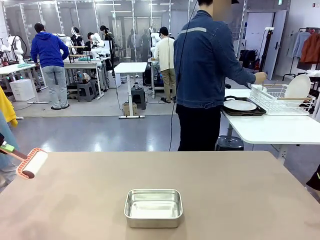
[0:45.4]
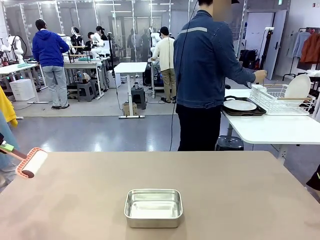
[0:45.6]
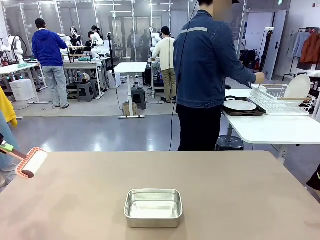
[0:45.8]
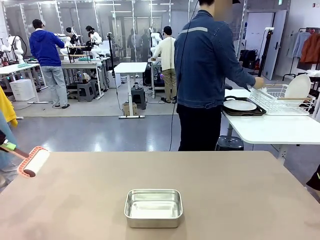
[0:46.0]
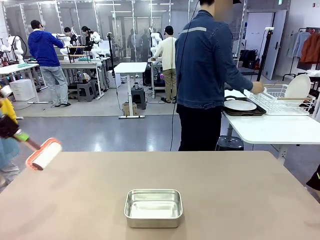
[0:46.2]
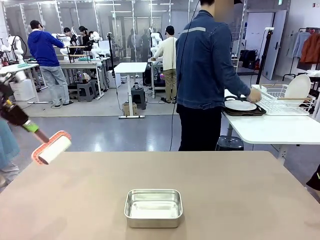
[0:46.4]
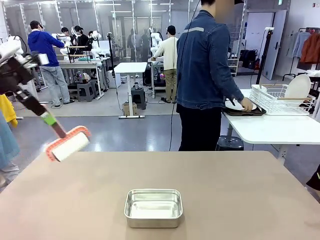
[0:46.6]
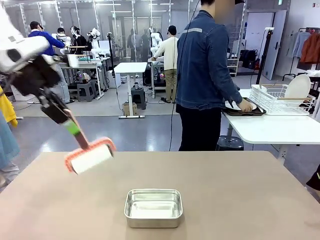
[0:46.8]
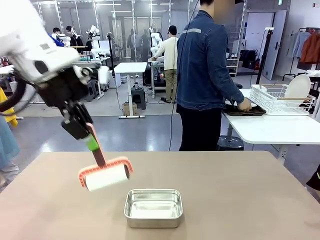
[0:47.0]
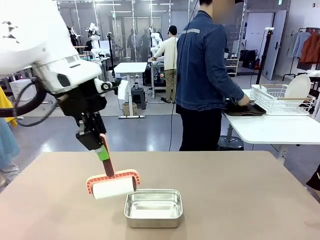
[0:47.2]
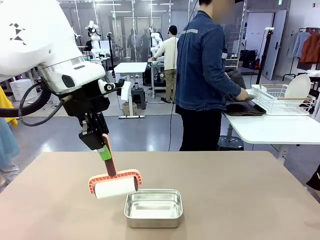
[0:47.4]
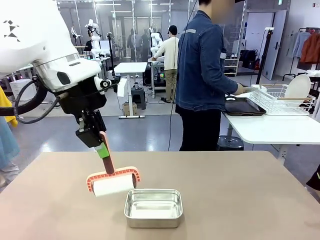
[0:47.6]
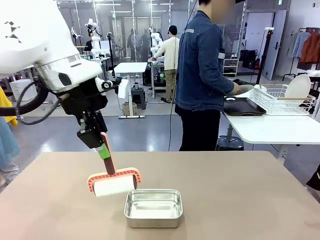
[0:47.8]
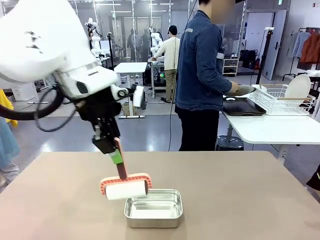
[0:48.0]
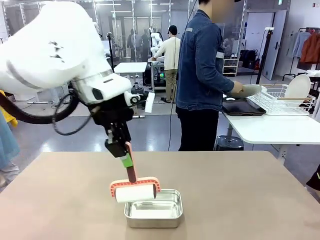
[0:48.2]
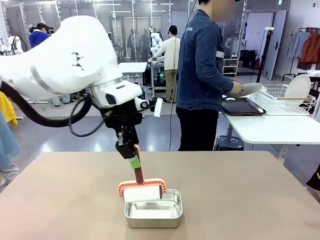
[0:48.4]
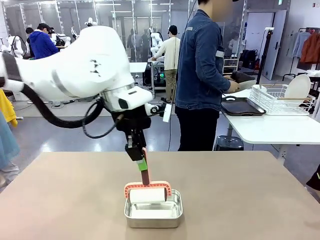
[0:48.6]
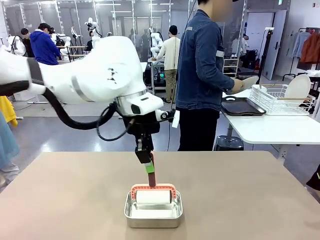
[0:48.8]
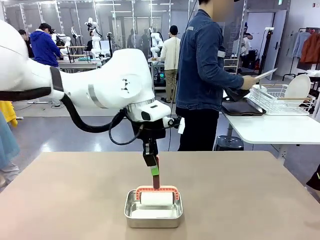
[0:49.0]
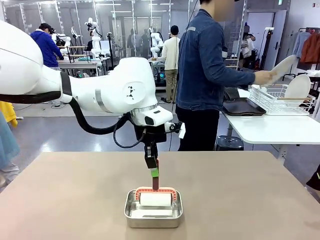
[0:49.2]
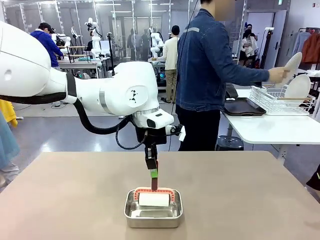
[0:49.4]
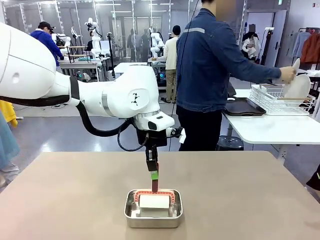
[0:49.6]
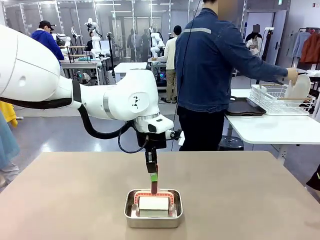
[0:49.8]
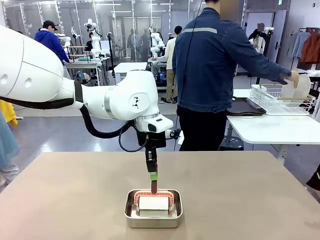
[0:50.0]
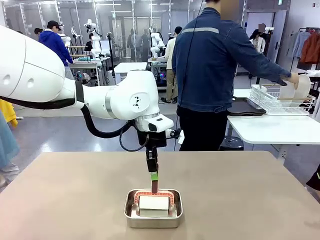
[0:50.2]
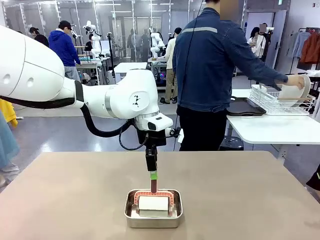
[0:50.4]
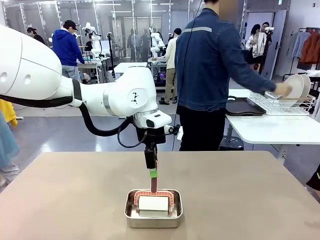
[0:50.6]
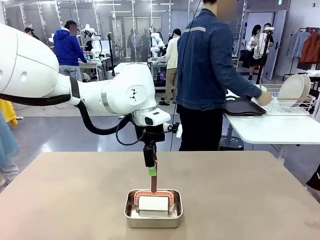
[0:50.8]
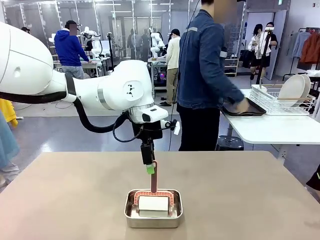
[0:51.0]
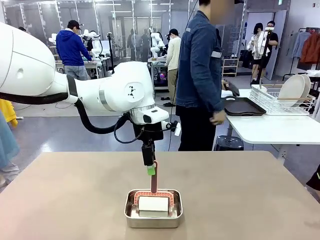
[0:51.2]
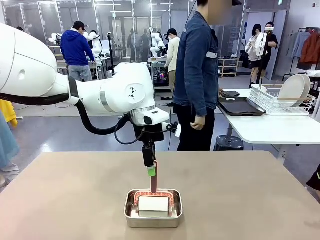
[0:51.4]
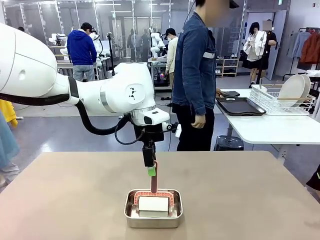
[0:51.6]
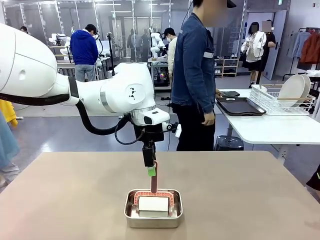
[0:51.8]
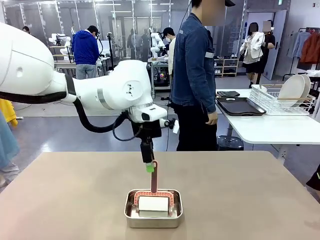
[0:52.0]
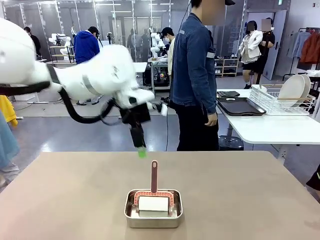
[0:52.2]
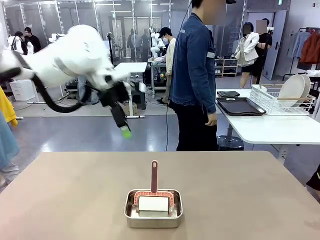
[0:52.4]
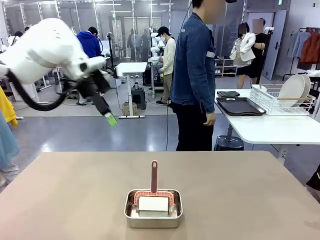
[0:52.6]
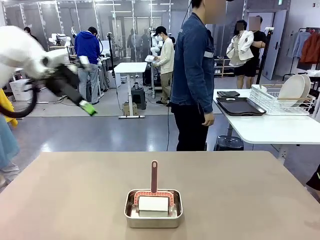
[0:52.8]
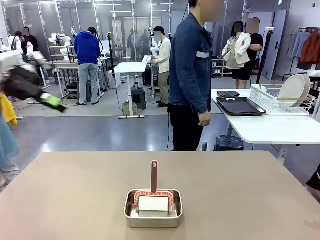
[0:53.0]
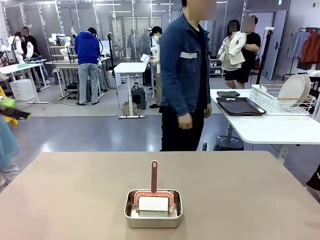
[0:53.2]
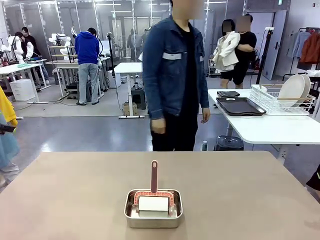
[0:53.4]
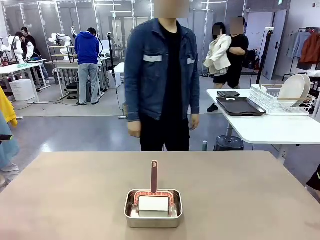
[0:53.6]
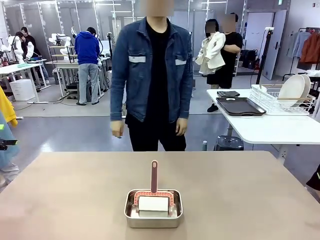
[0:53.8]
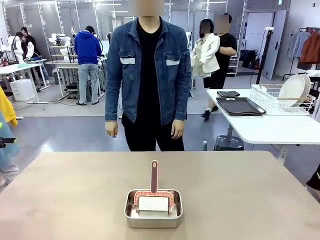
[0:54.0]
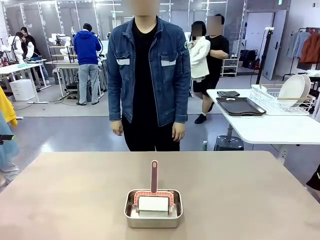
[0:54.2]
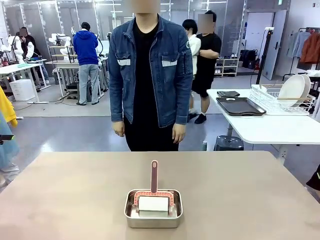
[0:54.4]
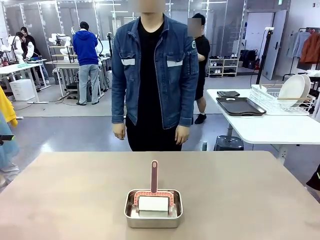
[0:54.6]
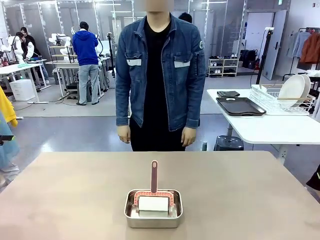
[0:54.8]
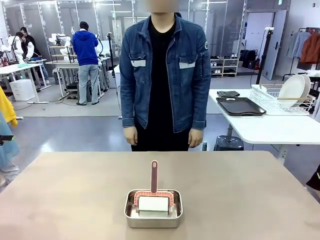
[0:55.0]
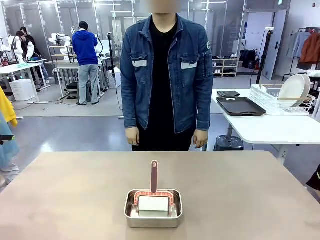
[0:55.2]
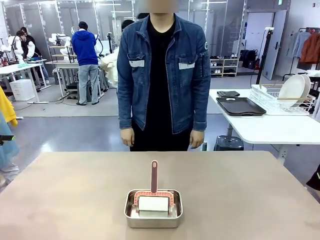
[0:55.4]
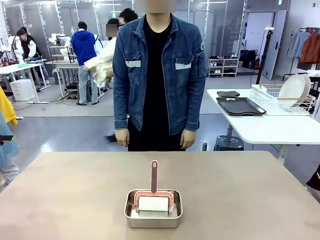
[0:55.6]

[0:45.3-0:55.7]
Robot: Place the Lint Roller back on top of the Airtight Container.
Person: Use the Towel with hook to wipe the Plastic Matte Plate , Fork , and Knife and place into the Dish drying rack.

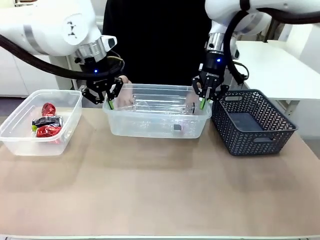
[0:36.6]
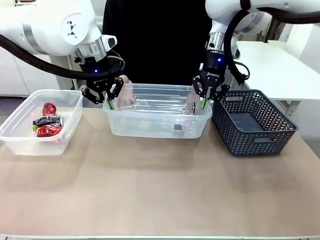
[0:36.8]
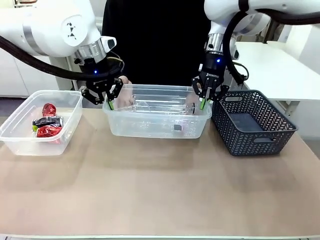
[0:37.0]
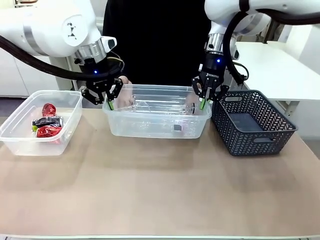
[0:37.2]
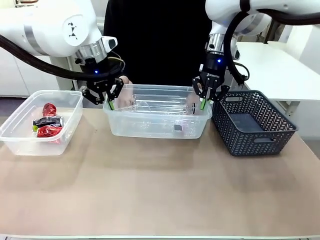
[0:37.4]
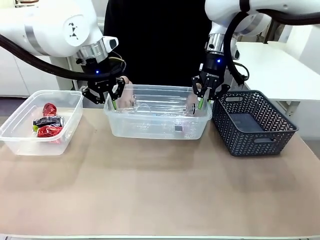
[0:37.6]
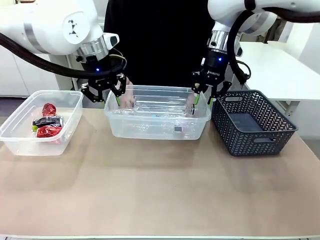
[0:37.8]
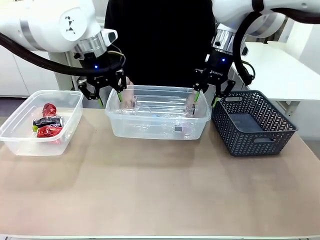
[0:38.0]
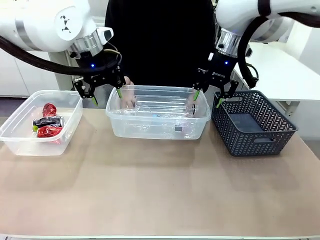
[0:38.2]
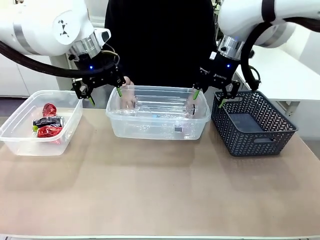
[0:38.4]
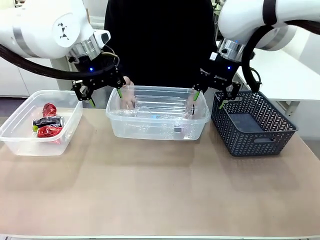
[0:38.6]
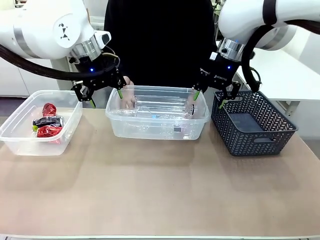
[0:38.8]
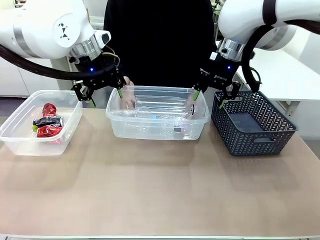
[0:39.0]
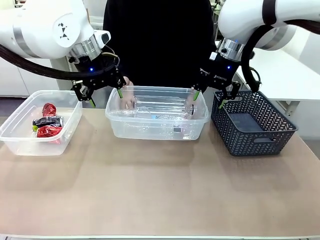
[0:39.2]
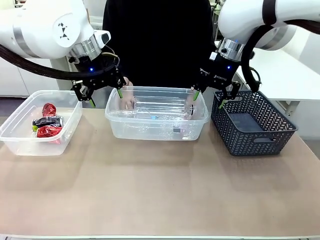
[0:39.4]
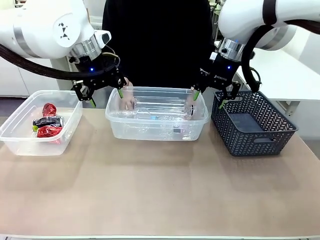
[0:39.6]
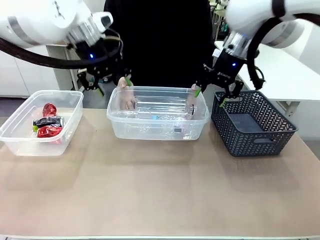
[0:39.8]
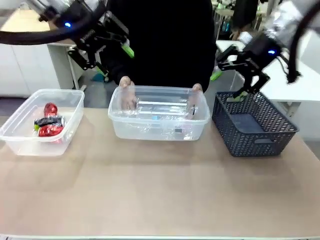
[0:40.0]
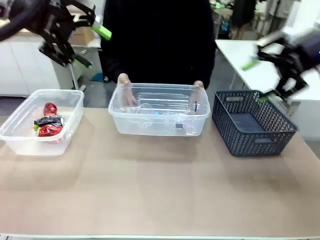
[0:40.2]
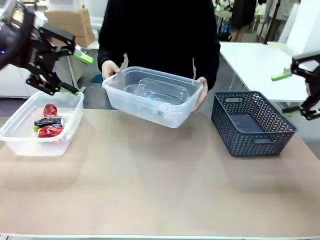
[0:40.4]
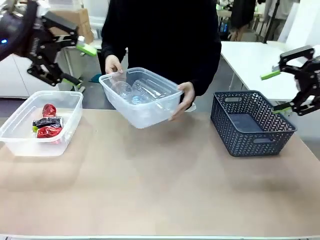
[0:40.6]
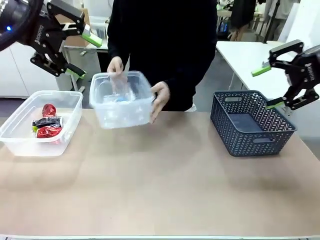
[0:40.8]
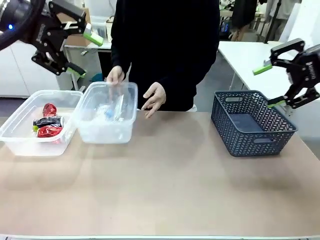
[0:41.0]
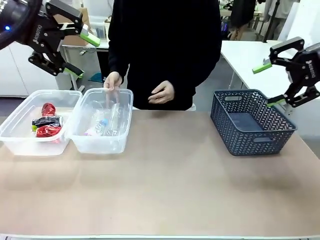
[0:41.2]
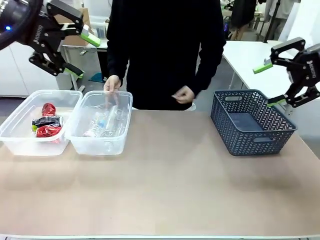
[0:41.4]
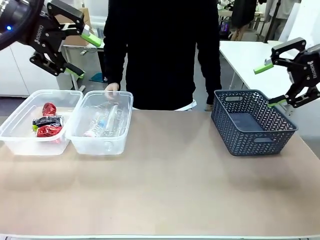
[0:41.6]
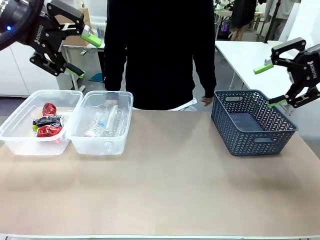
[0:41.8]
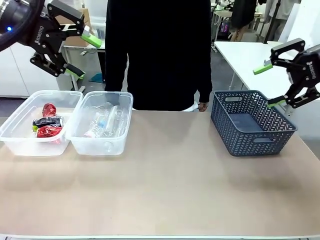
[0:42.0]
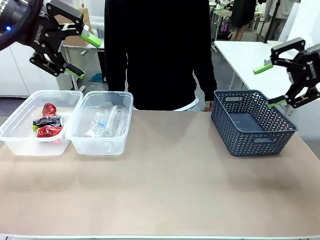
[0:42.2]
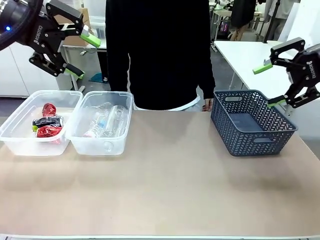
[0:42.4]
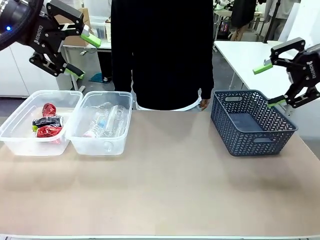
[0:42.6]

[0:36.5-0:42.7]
Robot: Release the Organizing box you were holding.
Person: Pick up the organizing box extended by the robot. Place the organizing box to the left of the sorting box containing the can waste.

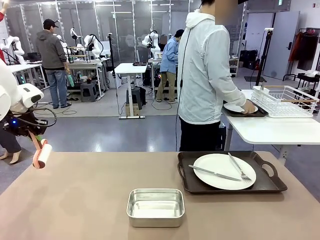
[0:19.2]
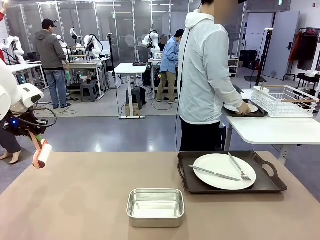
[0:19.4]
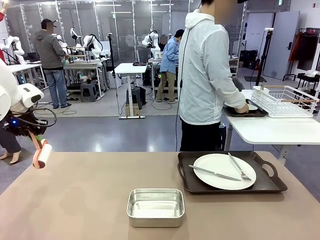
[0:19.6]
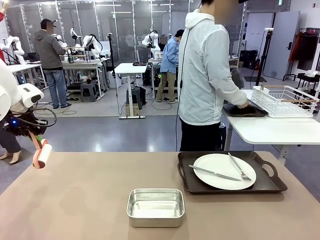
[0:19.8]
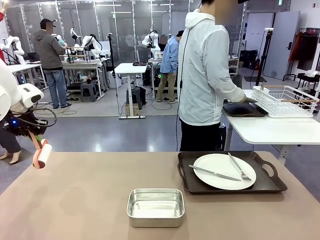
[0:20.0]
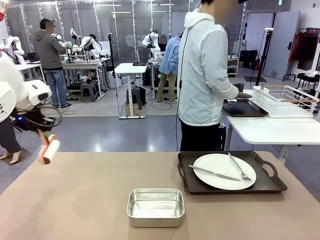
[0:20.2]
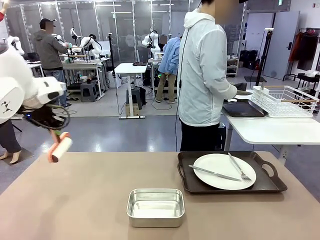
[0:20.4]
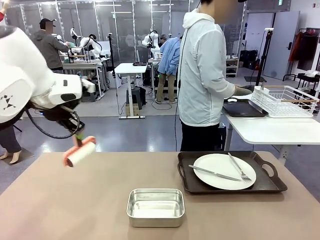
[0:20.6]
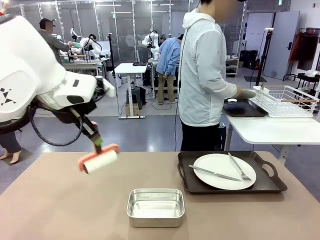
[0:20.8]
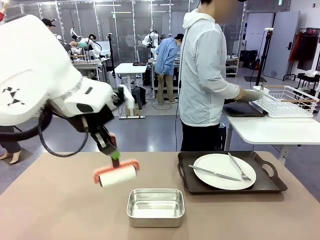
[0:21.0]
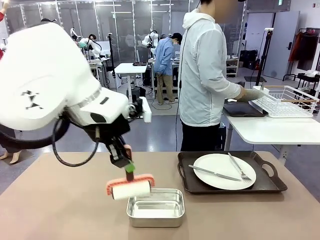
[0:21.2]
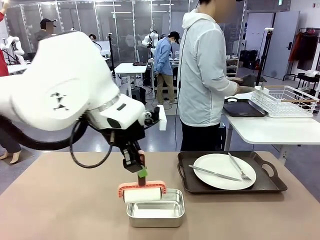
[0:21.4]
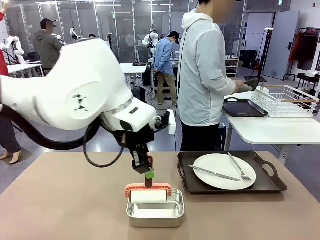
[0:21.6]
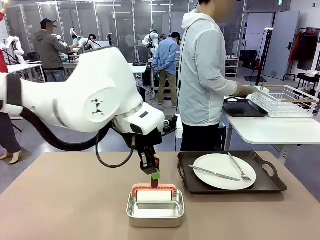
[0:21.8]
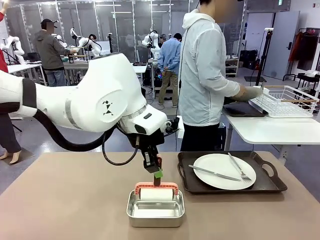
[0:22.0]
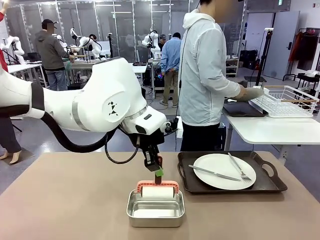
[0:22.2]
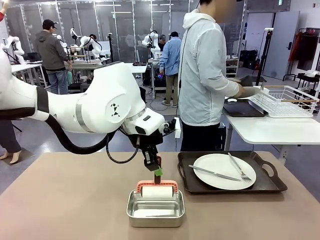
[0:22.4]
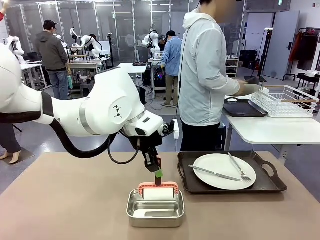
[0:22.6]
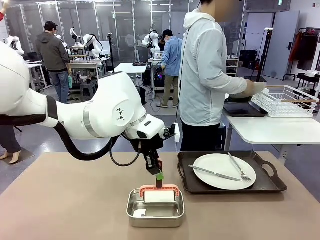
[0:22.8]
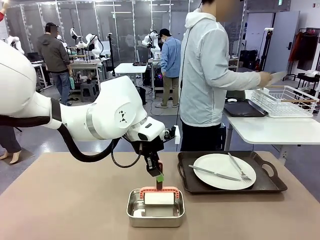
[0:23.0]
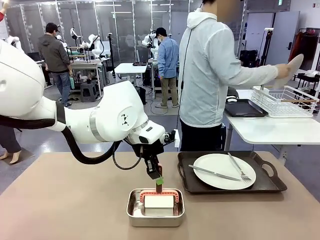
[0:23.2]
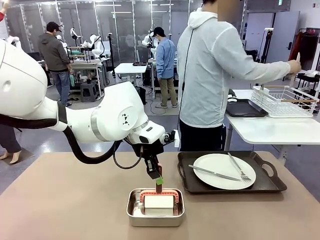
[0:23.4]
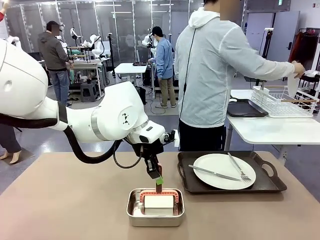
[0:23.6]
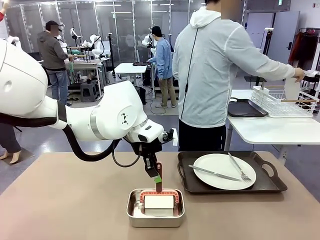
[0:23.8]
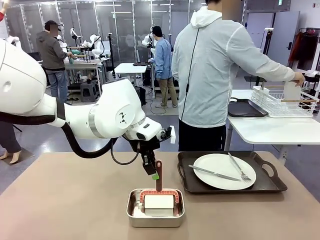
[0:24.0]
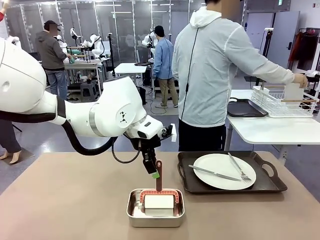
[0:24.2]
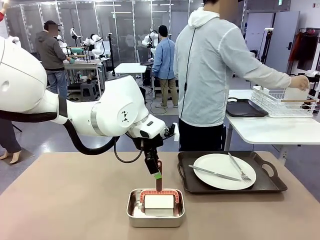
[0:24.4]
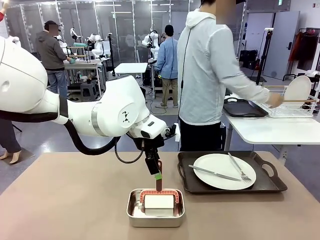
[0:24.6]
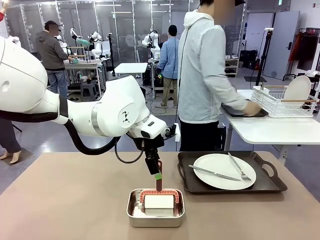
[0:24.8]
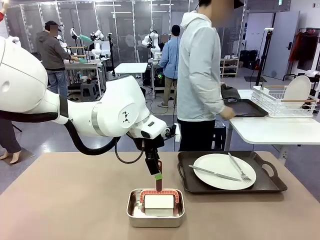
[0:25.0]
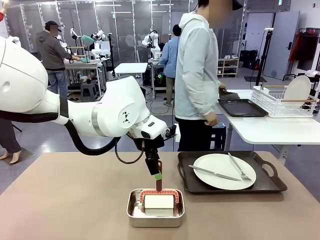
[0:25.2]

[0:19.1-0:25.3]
Robot: Place the Lint Roller back on top of the Airtight Container.
